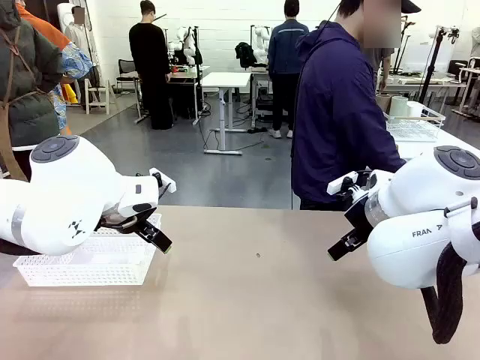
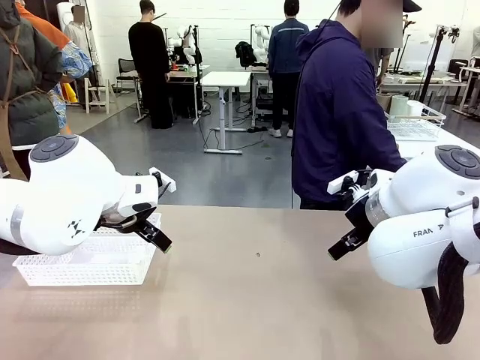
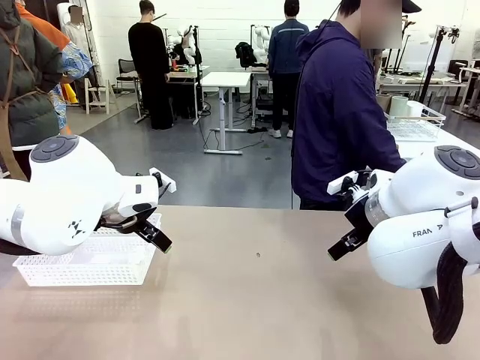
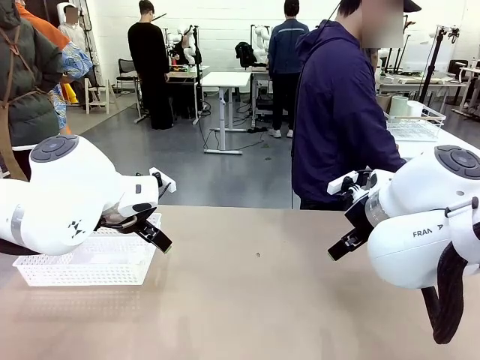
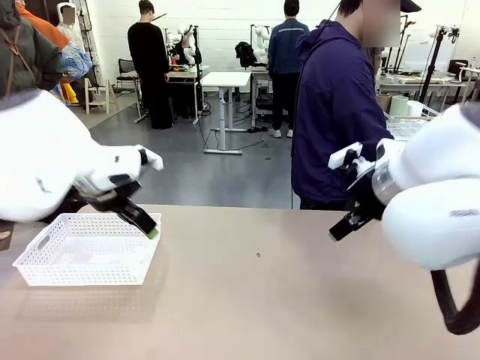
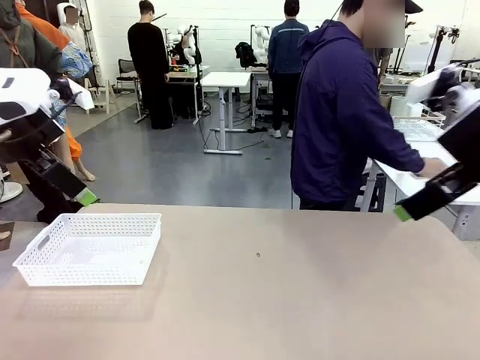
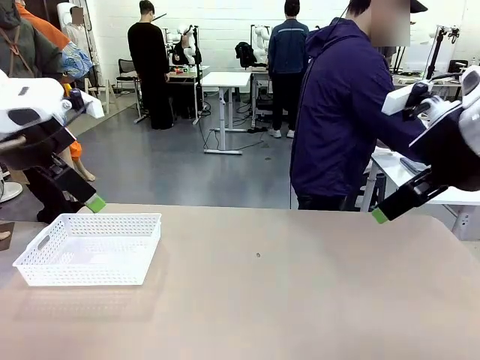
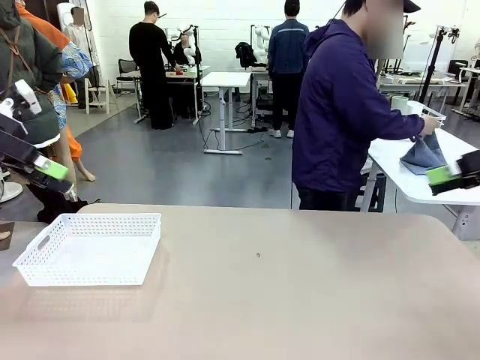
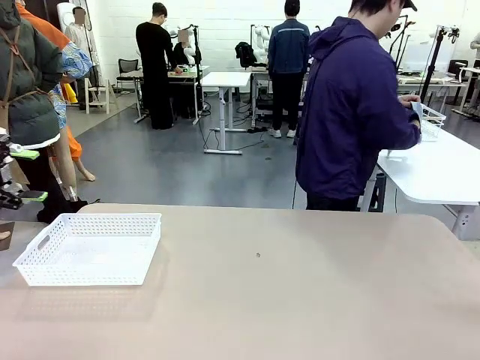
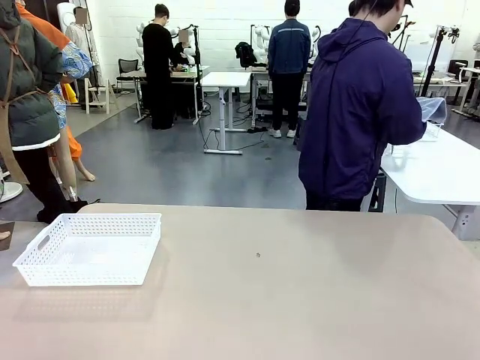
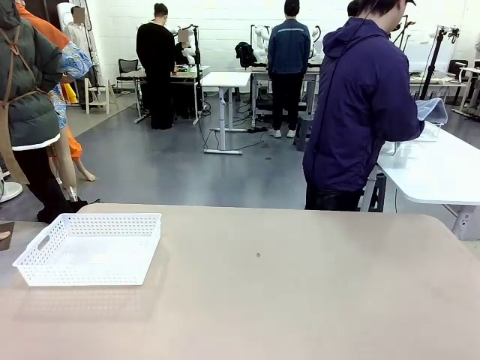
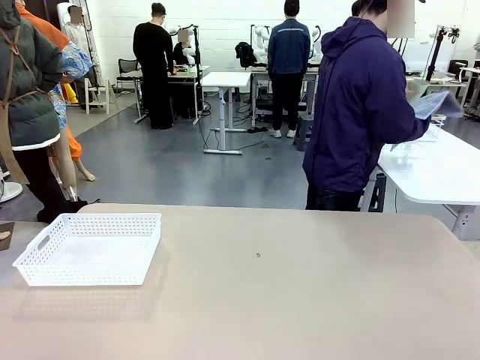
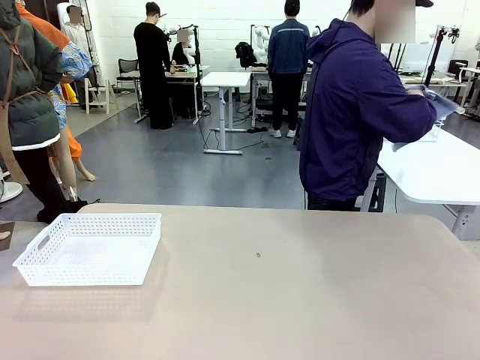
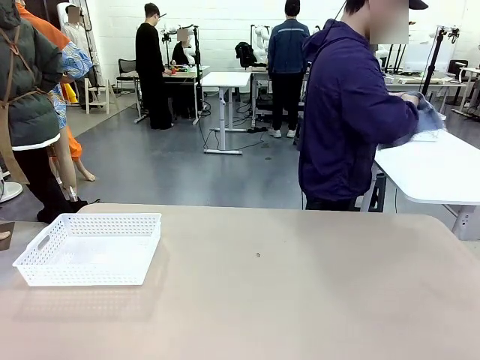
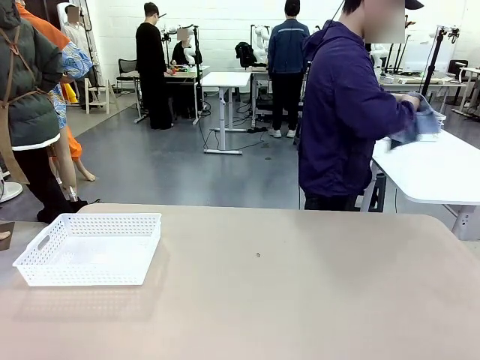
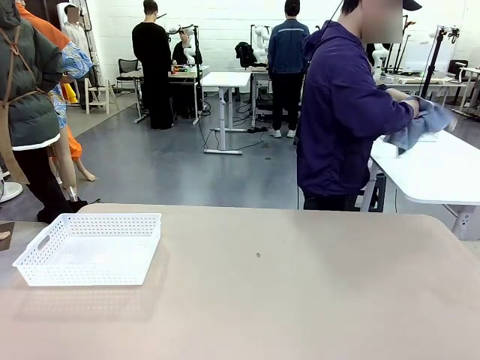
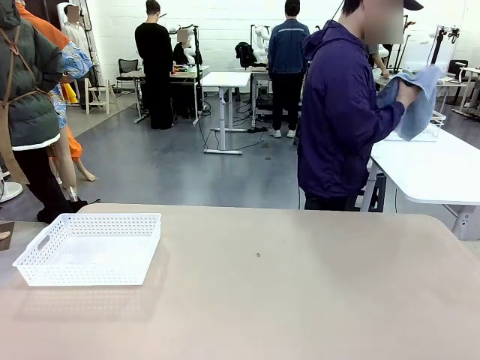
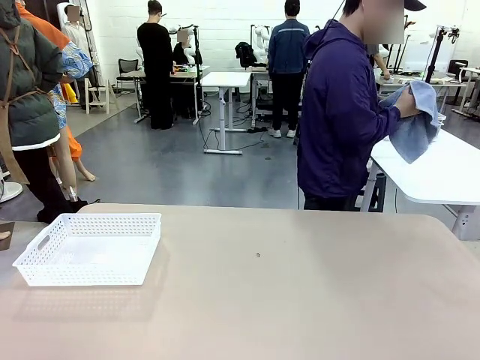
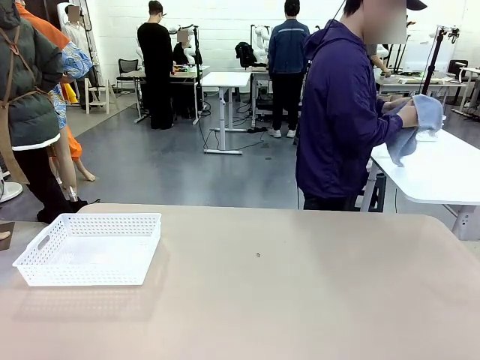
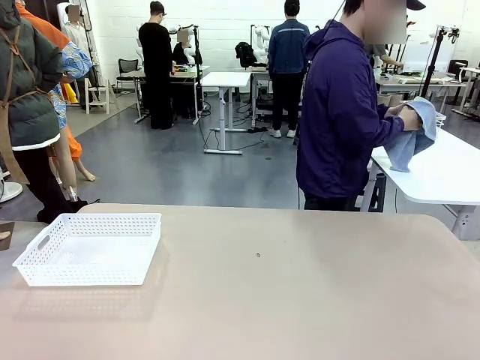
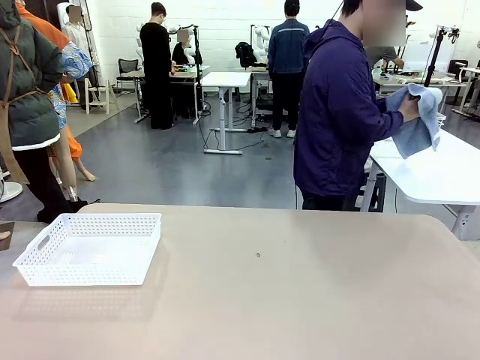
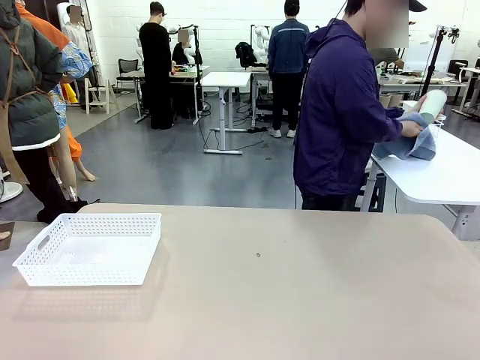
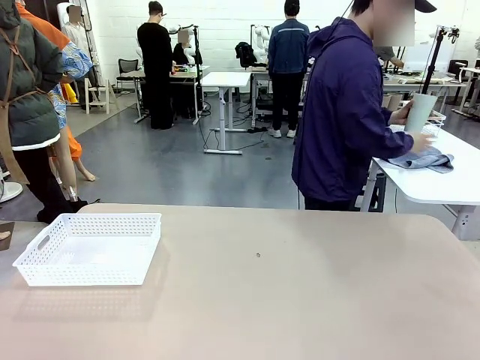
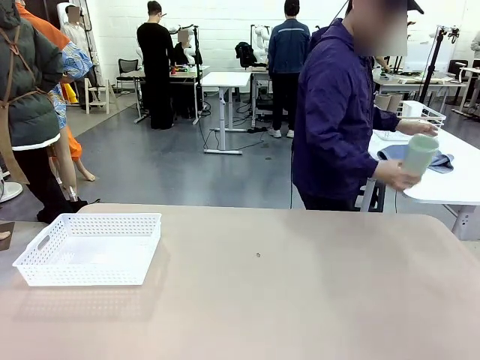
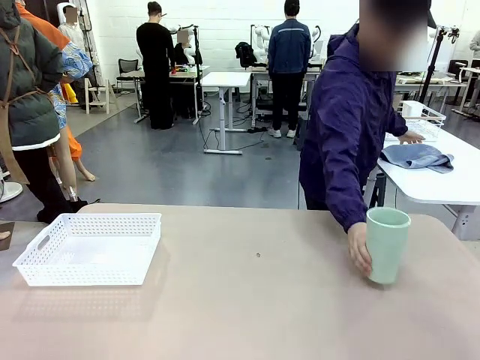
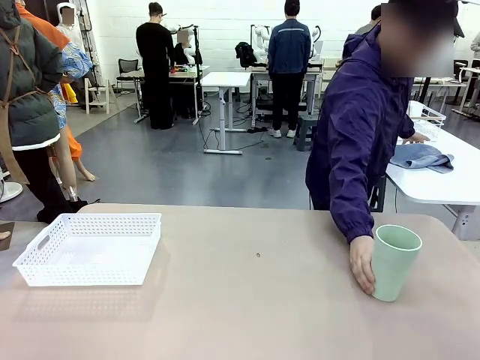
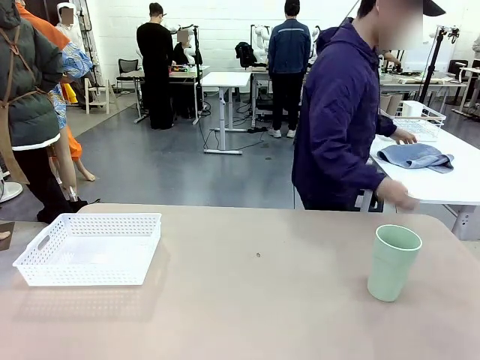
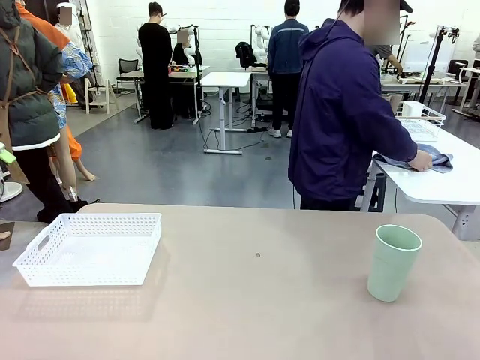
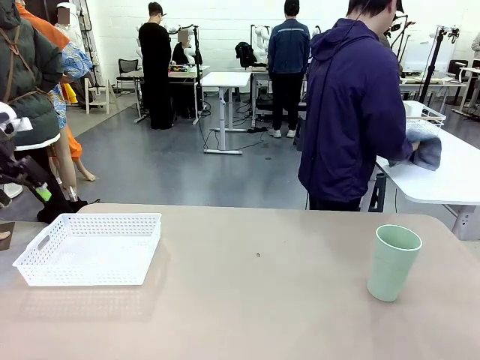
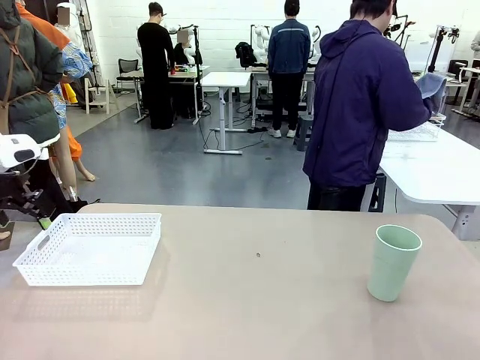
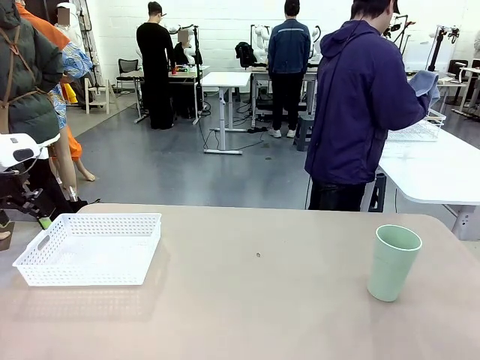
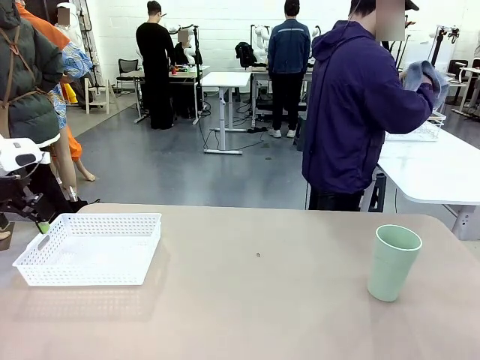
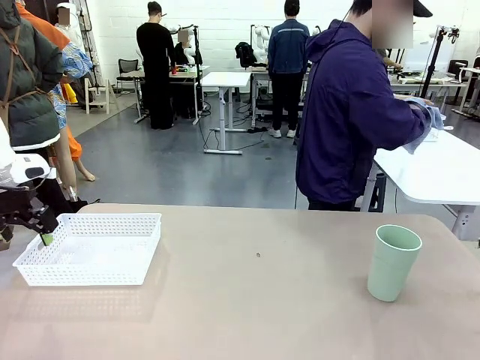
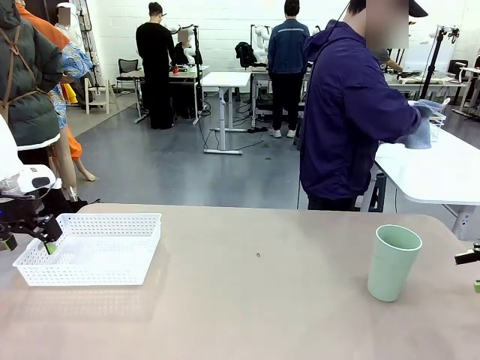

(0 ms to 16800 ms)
Task: Clean and organize the cups into the basket.
Robot: Pick up the Organizing basket and move it to the center of the table, then pick up the Reusable plastic cup from the right side of the table and place it inside the Organizing basket.
Person: Picks up a cup and a towel, cleans the cup with the towel, and places it on the left side of the robot table.
